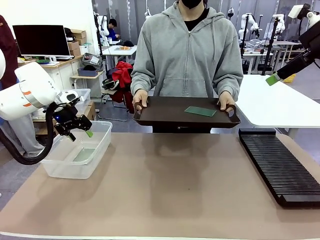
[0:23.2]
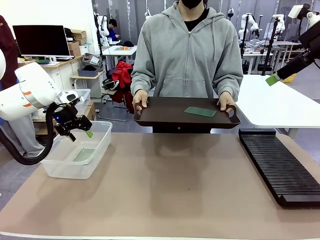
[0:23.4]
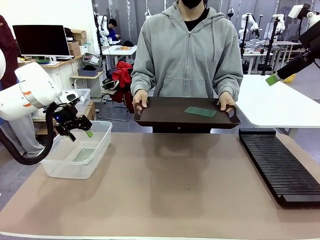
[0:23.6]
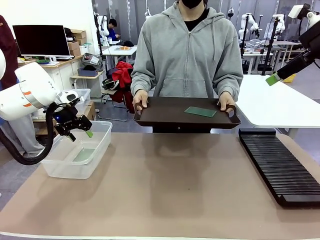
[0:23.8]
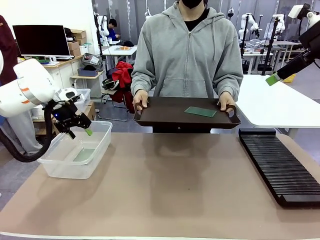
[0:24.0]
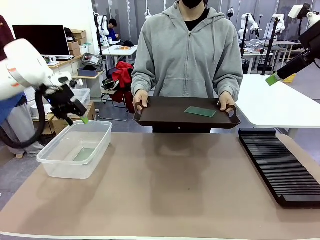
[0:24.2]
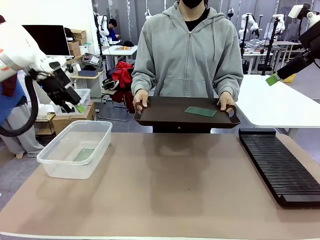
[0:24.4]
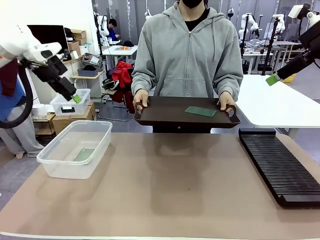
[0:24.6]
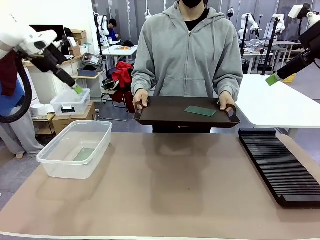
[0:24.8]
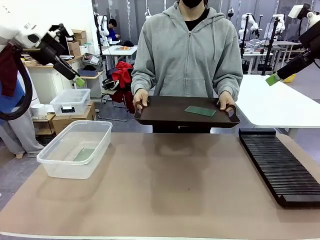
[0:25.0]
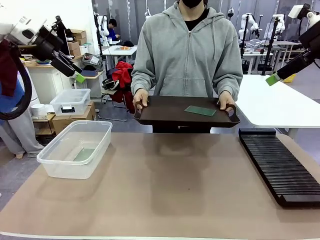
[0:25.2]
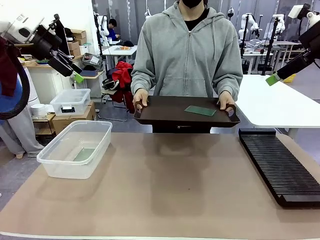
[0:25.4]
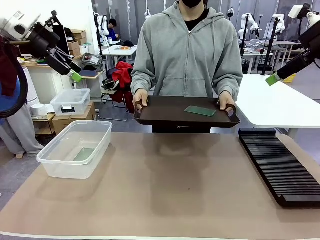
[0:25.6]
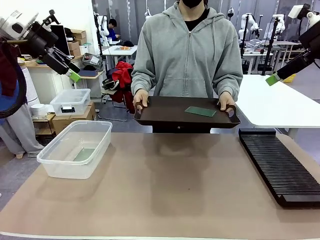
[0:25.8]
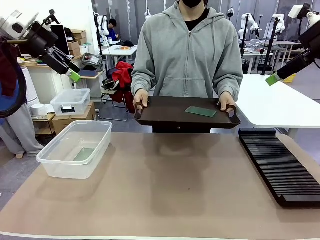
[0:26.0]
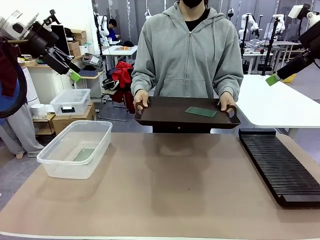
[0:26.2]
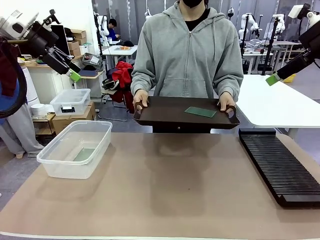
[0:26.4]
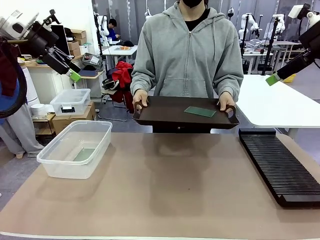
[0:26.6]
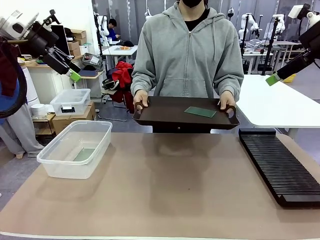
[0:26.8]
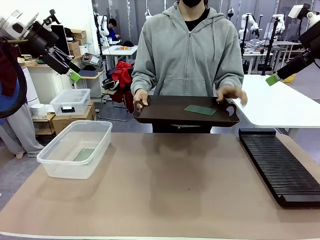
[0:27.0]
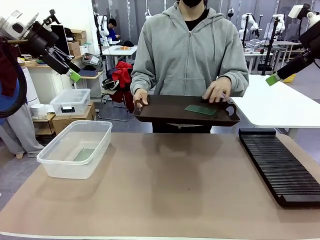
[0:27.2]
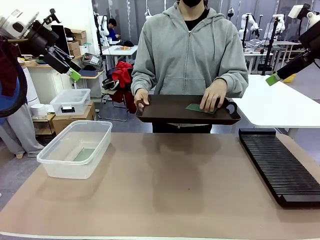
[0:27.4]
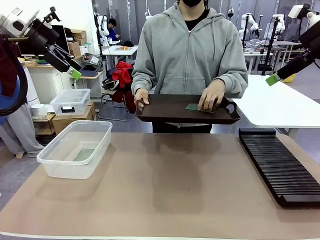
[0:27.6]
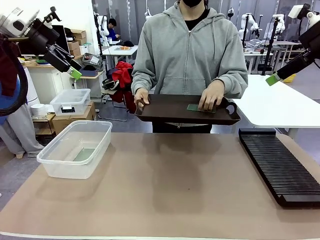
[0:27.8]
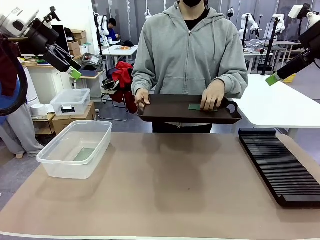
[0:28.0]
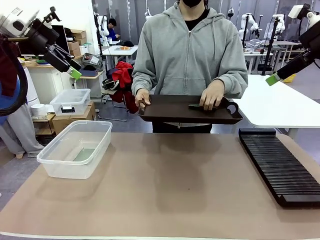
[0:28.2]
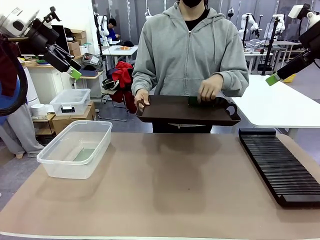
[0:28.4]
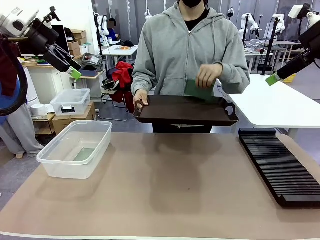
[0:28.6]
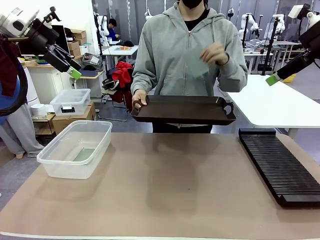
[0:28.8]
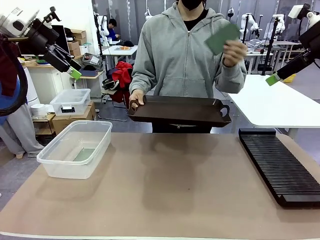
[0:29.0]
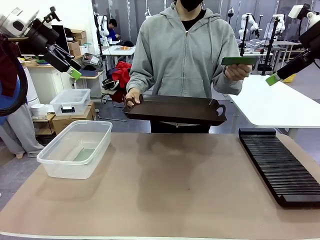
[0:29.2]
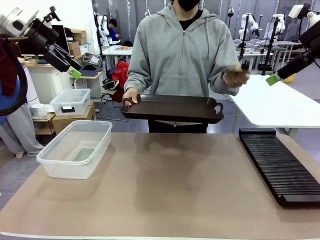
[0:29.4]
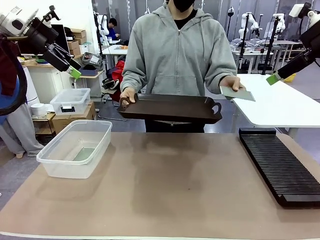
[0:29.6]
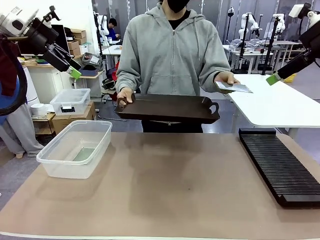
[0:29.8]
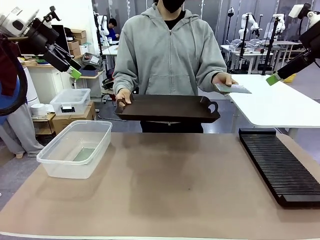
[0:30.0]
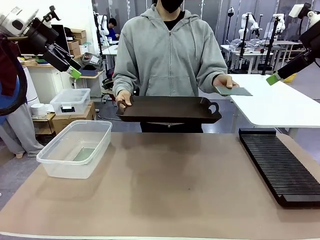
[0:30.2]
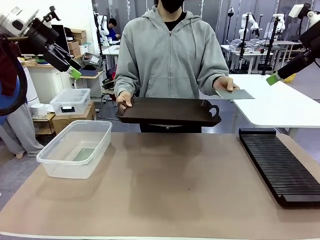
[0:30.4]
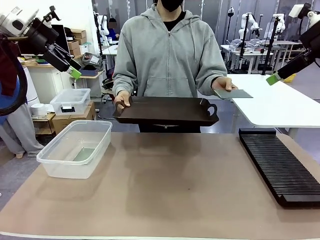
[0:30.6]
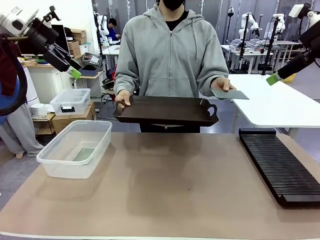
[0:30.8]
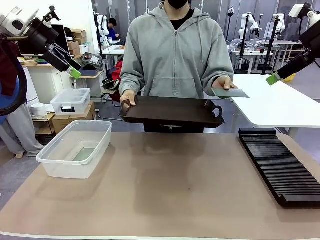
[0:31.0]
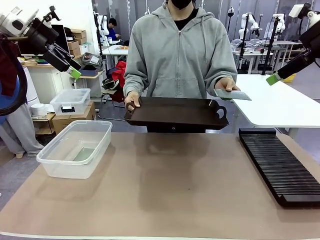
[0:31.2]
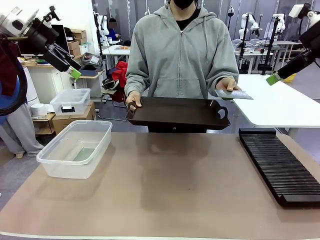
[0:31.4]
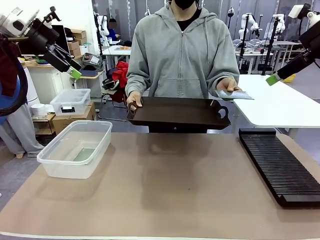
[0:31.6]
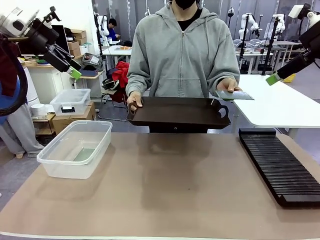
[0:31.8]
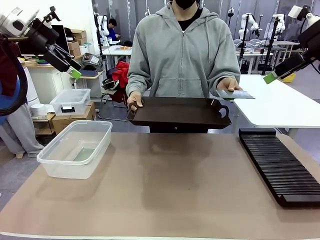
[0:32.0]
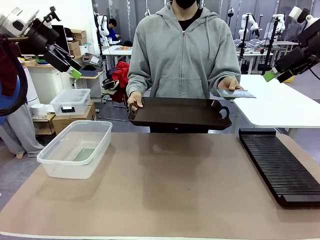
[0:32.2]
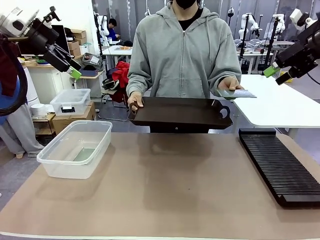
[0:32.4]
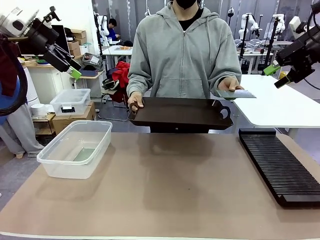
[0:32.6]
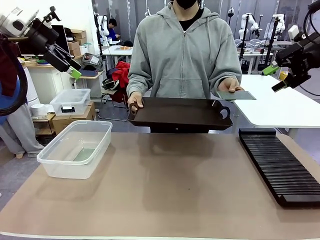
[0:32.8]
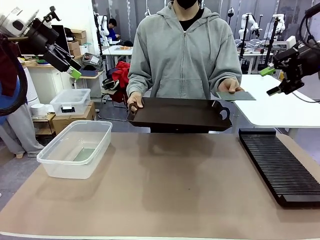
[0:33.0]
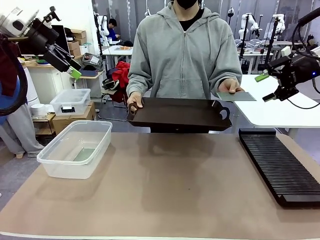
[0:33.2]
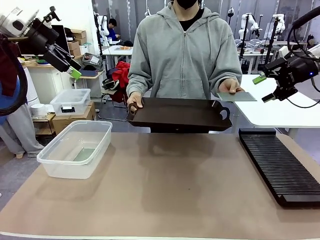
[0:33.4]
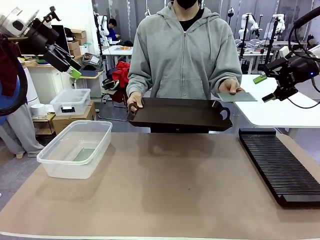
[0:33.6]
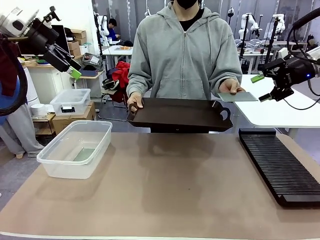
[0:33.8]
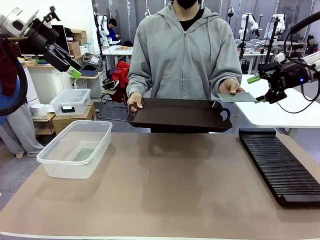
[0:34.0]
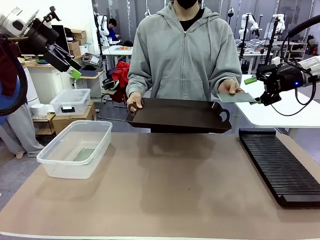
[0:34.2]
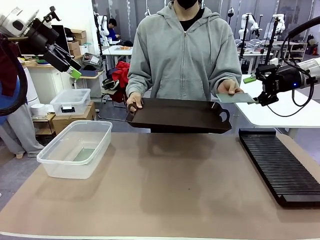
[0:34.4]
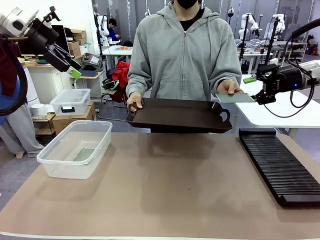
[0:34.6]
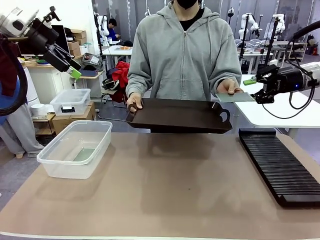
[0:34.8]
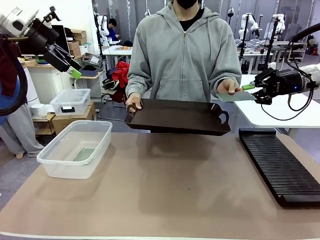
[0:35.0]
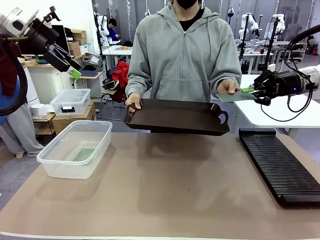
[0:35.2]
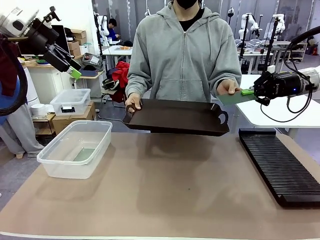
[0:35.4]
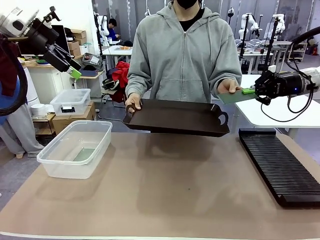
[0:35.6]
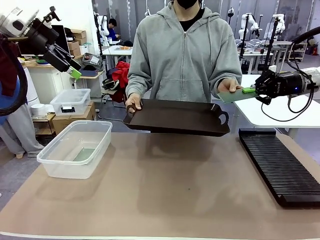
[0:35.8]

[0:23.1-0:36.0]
Task: Sort PCBs into racks and boxes based on the side picked up.
Robot: Pick up the Blank PCB handed by the Human.
Person: Pick one PCB from the tray and present it to the robot.

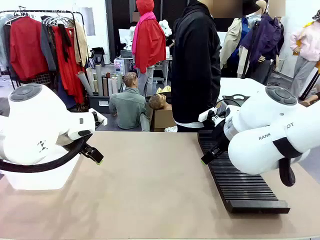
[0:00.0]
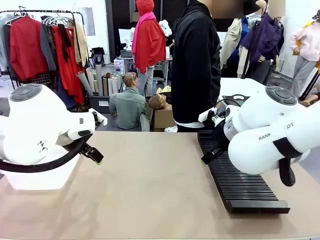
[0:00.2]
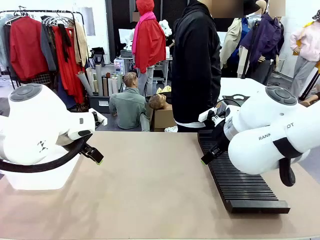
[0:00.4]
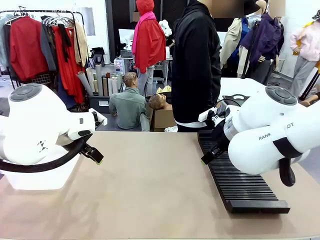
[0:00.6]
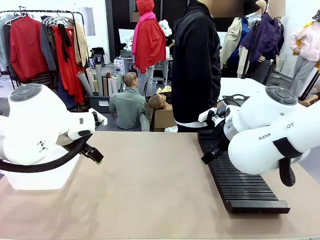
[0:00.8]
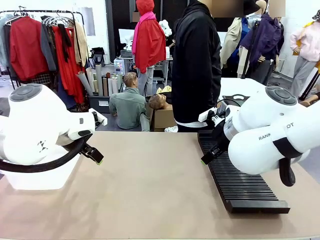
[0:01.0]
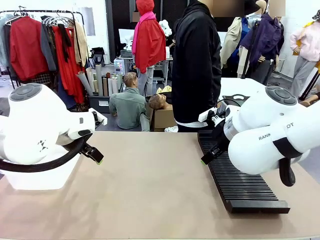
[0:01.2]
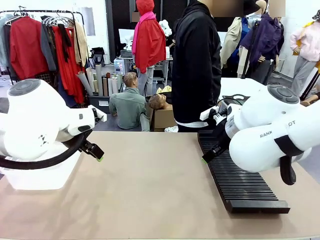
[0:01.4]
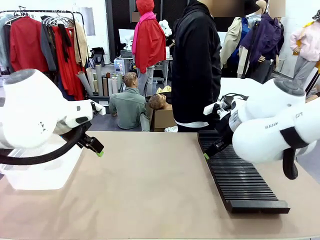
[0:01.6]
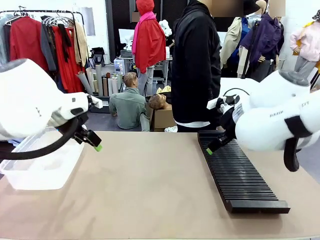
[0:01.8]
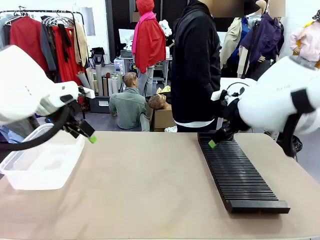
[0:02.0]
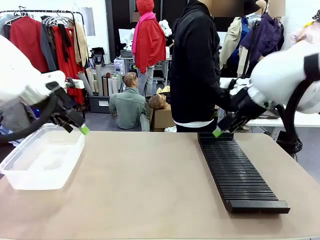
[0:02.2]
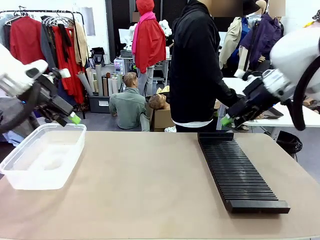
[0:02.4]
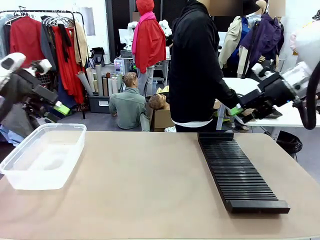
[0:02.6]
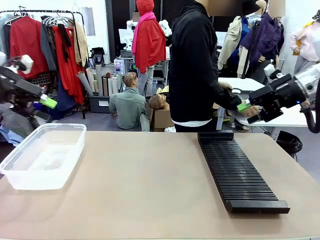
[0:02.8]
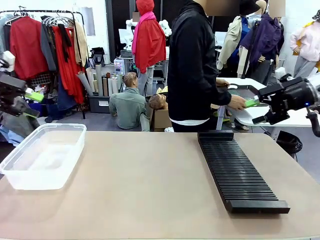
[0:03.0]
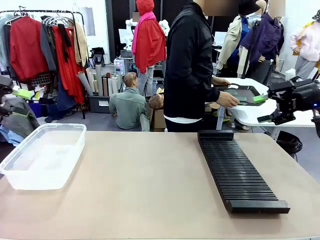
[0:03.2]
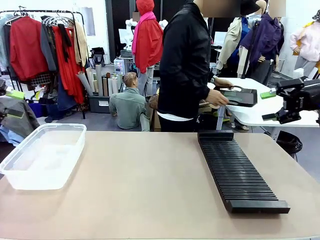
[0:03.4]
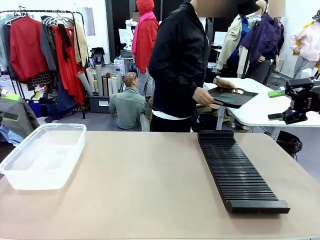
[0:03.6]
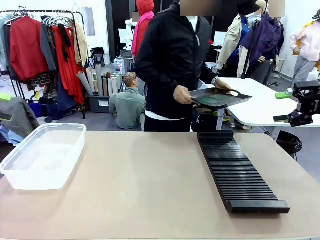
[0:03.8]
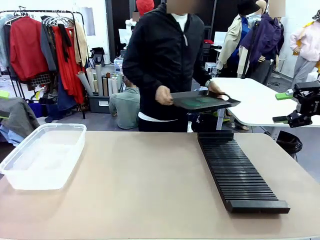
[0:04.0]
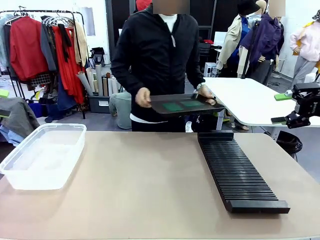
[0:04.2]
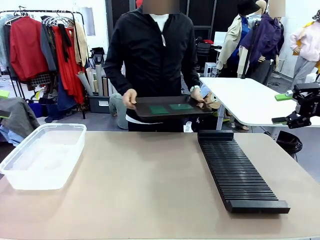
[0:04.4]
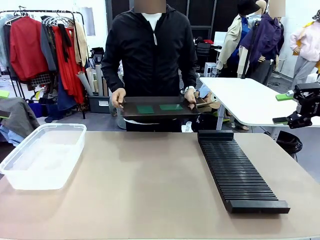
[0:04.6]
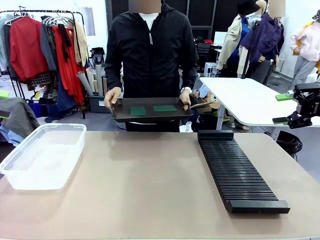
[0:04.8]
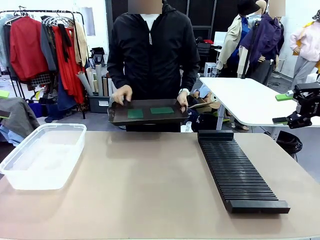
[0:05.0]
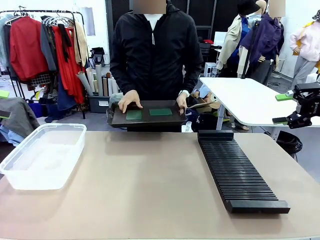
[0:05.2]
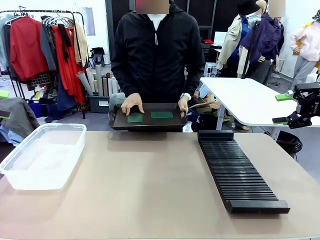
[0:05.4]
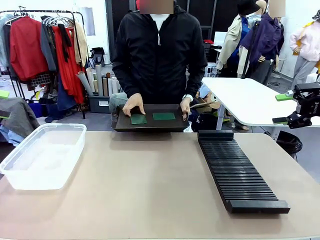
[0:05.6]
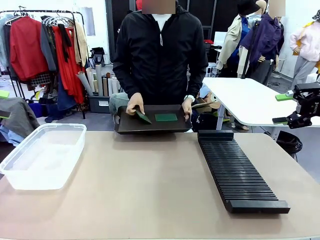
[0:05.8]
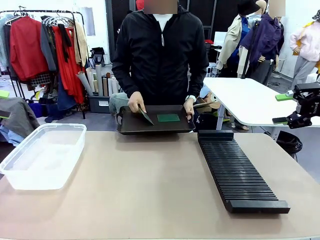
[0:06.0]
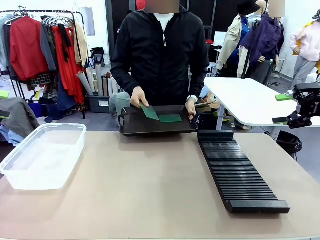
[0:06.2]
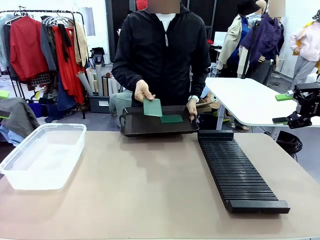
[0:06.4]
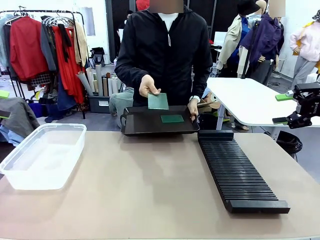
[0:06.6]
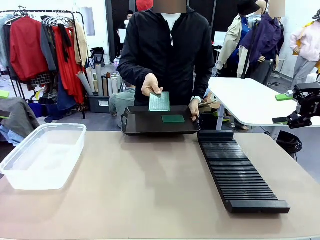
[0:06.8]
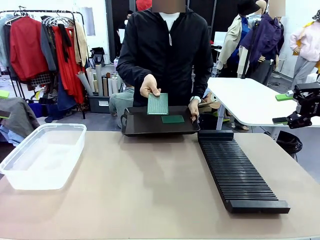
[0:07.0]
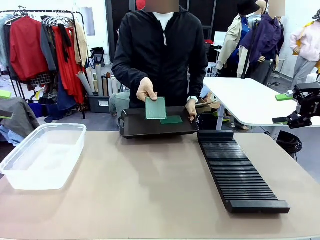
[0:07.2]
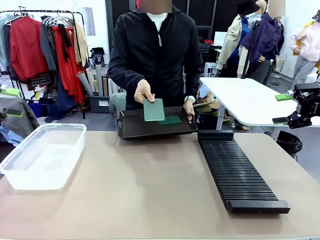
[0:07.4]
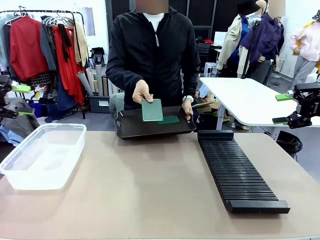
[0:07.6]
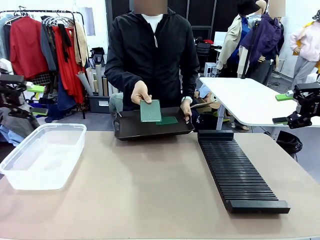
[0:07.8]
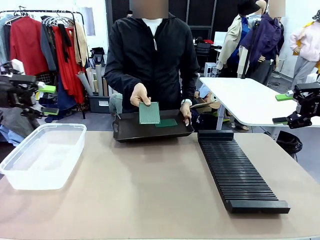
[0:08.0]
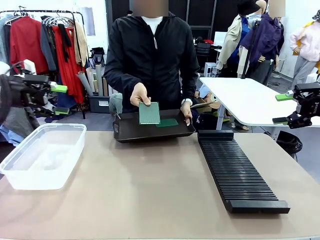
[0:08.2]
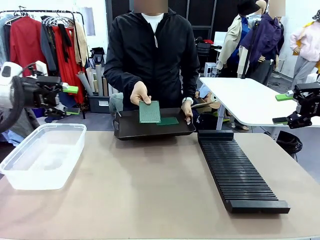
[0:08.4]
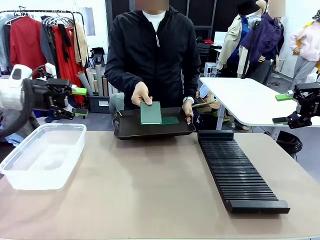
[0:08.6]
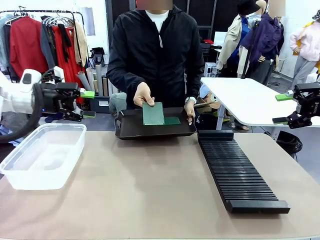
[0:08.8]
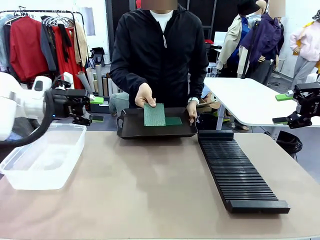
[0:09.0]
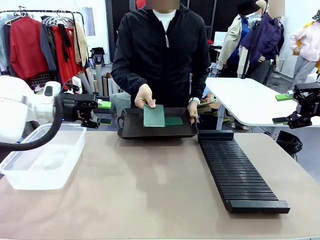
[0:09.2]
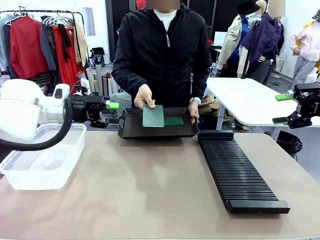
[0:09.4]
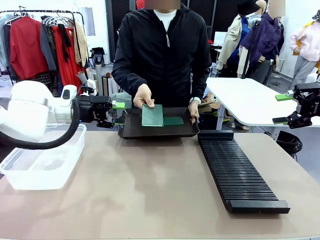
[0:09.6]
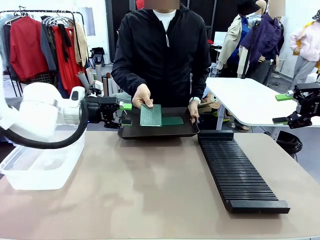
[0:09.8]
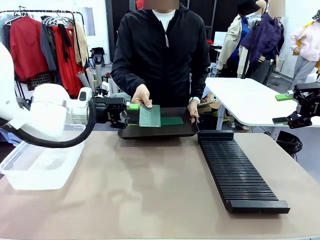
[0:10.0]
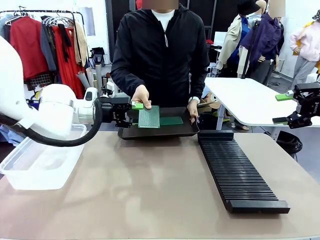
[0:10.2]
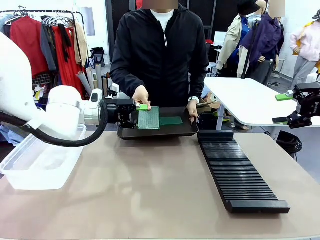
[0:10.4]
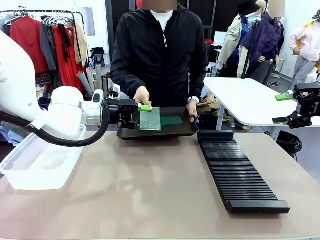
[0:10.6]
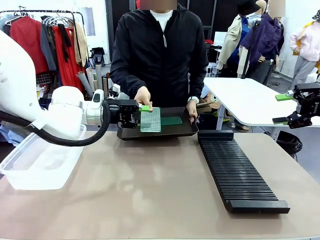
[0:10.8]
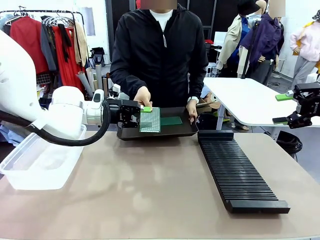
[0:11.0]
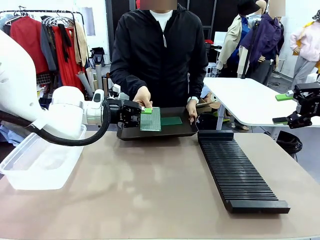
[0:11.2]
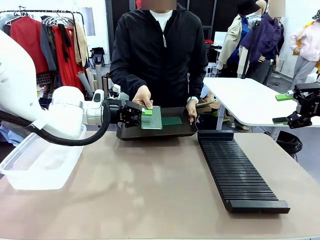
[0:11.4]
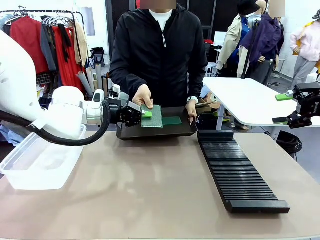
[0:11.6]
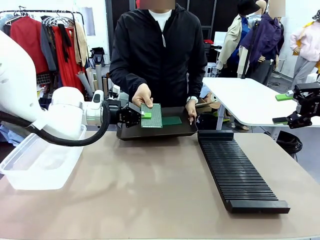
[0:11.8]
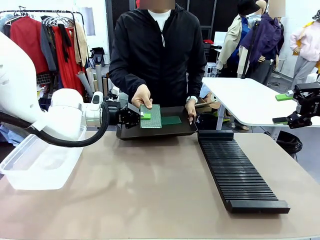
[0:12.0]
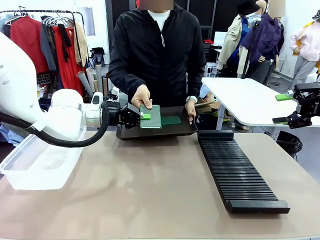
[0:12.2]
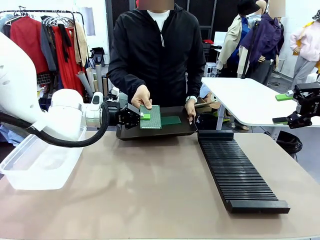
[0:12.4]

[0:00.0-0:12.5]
Task: Sort PCBs into racks and boxes based on the side picked up.
Robot: Pick up the Blank PCB handed by the Human.
Person: Pick one PCB from the tray and present it to the robot. Release the PCB being held.
